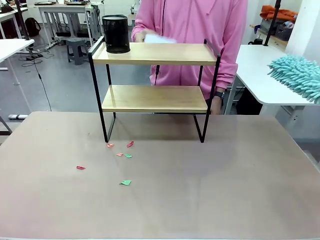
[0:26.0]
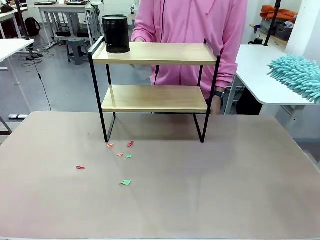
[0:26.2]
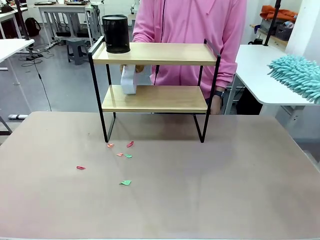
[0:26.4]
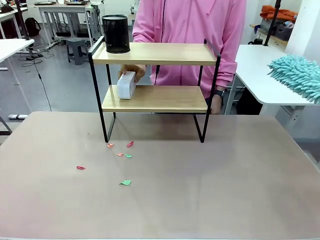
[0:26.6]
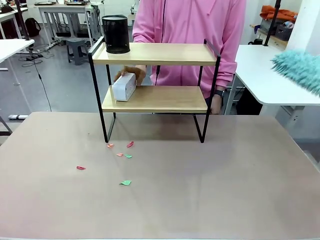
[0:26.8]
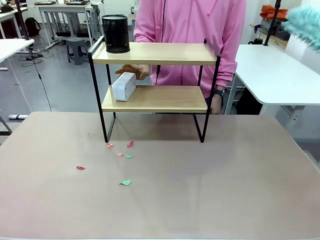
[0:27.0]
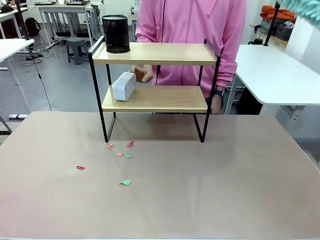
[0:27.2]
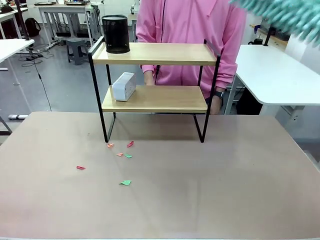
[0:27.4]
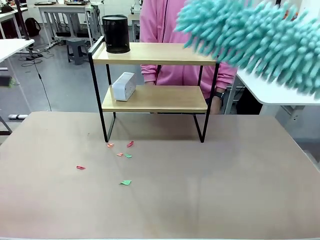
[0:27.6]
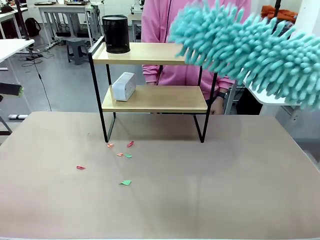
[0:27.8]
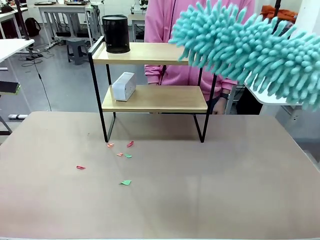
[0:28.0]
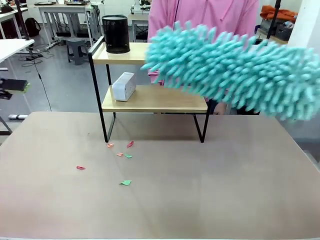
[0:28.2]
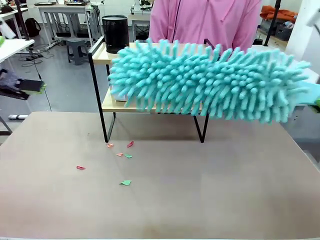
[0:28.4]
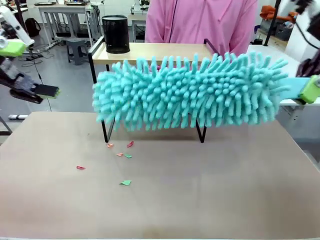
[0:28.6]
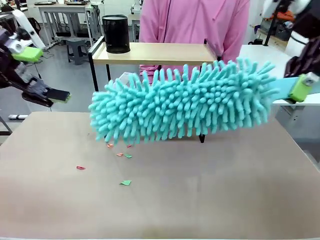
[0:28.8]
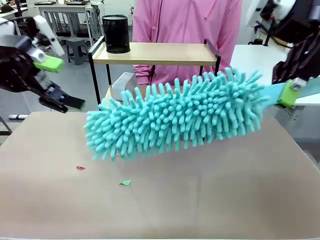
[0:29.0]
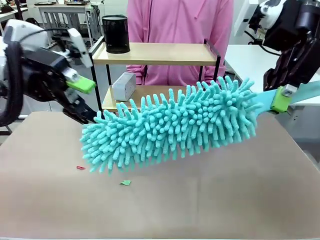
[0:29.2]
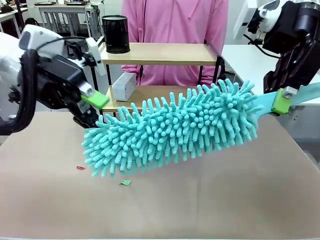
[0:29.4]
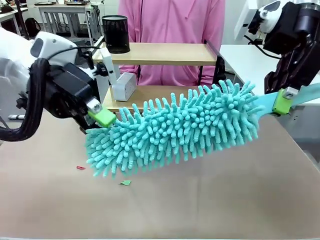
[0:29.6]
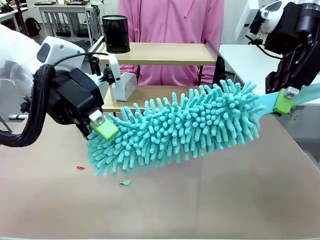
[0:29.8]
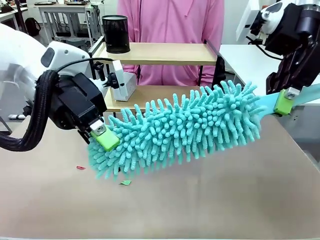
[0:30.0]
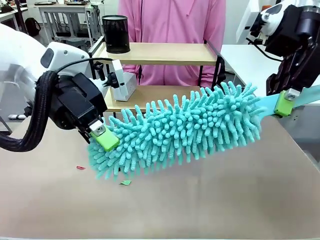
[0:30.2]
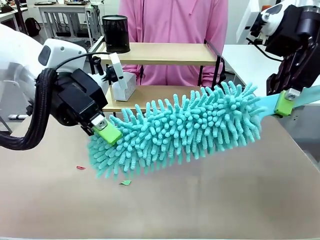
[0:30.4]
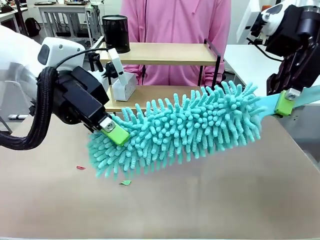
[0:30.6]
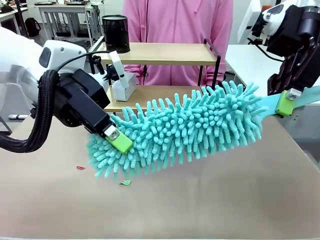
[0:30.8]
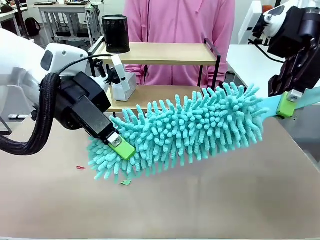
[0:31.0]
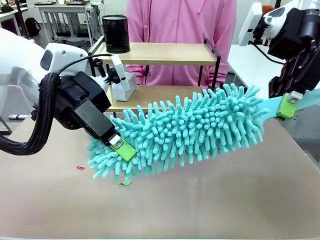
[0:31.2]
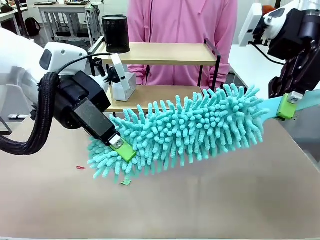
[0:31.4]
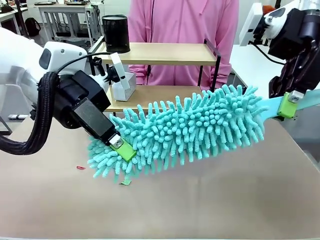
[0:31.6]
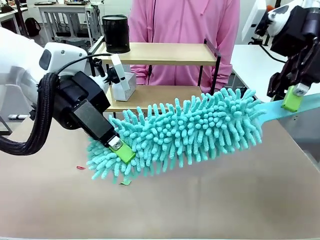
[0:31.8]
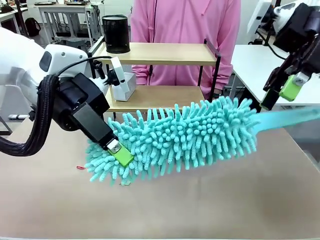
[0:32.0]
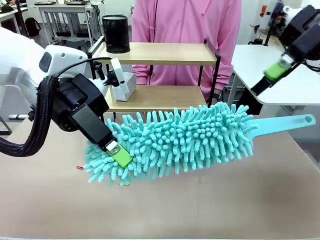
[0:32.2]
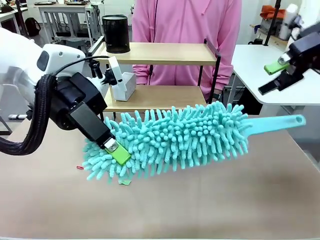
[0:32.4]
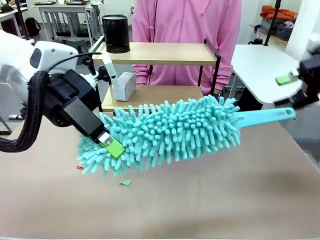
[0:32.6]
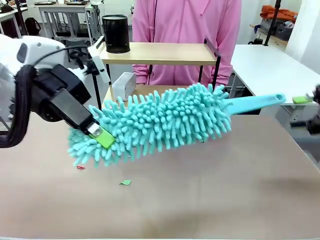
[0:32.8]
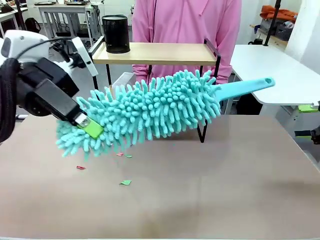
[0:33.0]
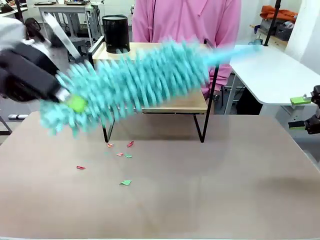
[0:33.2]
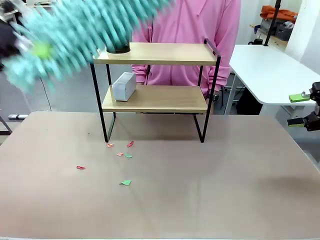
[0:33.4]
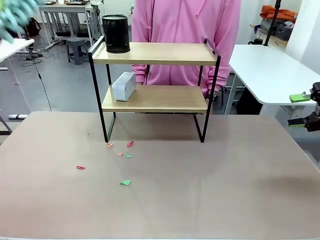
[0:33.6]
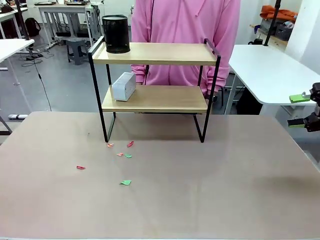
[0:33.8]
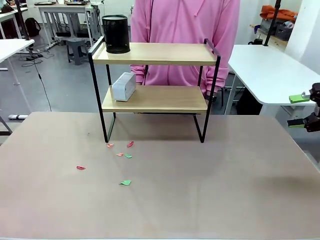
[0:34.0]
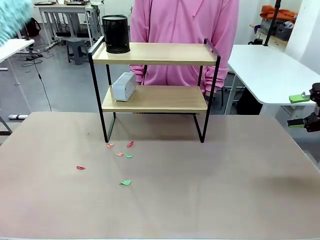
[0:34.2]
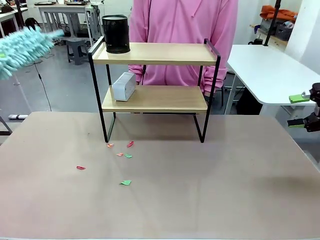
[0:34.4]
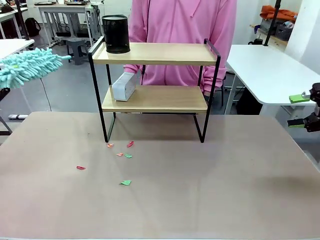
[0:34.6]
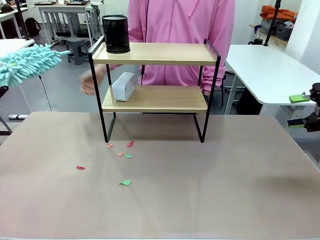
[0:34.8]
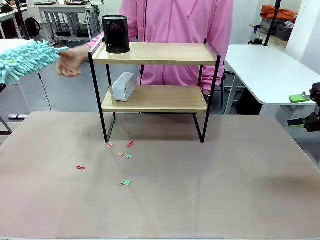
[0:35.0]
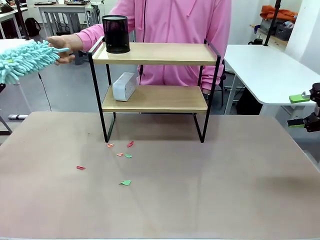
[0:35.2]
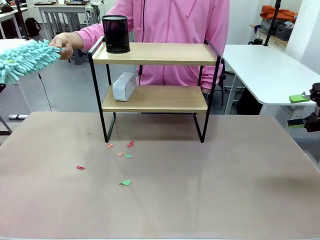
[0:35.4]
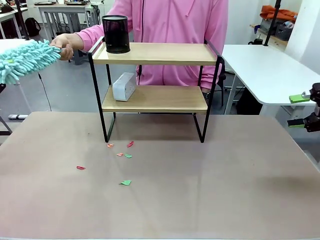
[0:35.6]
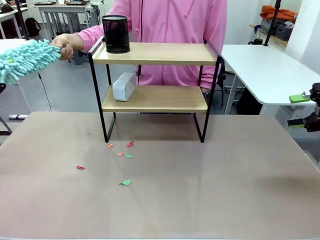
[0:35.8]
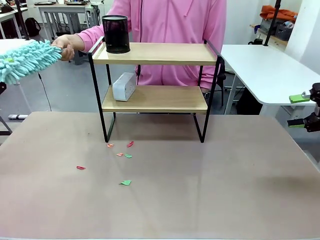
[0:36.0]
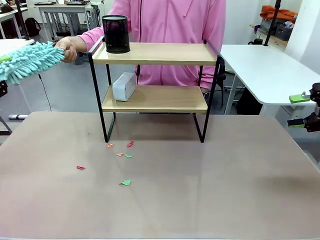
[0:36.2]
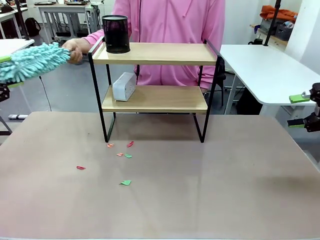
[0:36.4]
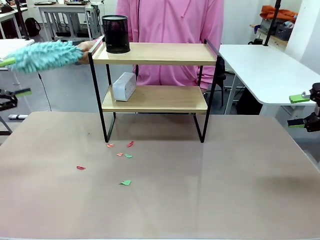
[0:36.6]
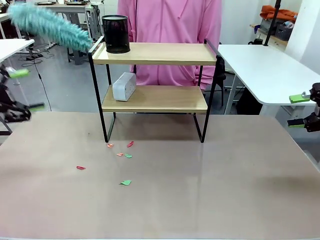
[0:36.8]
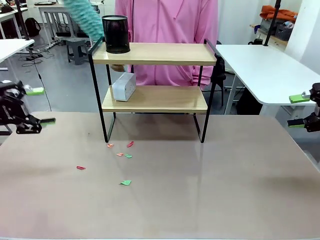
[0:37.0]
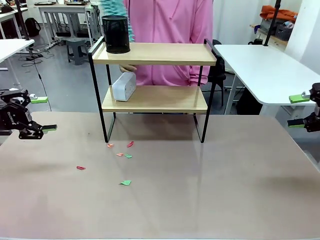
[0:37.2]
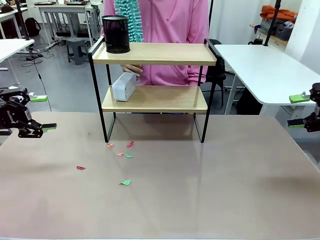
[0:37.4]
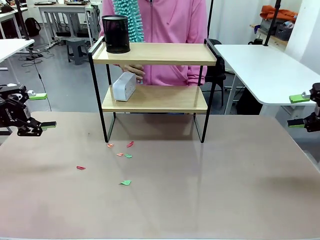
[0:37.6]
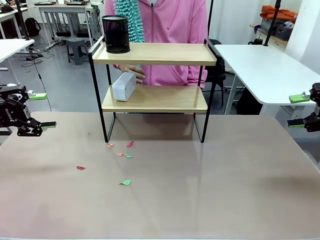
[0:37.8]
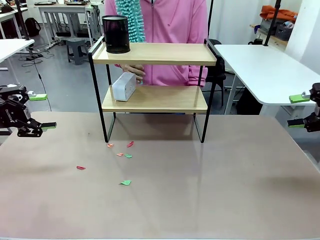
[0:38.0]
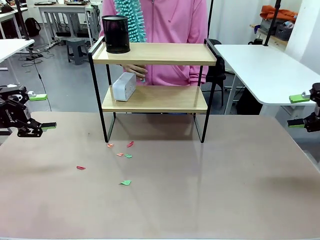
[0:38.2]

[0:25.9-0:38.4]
Task: Clean the shelf.
Robot: Hand the Duster back to the human.
Person: Receive the Duster from the robot.

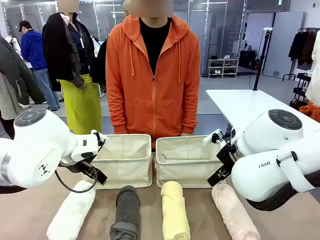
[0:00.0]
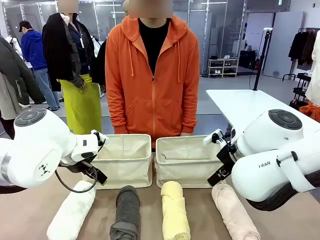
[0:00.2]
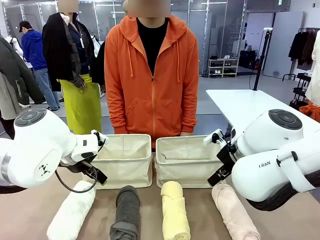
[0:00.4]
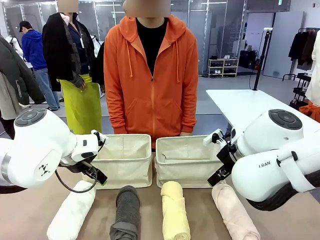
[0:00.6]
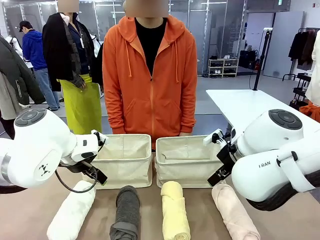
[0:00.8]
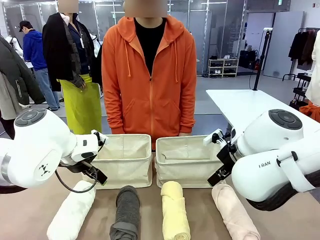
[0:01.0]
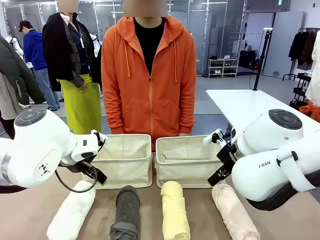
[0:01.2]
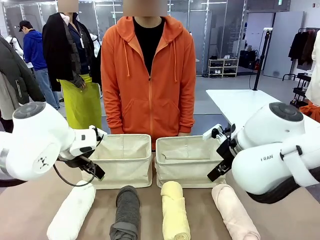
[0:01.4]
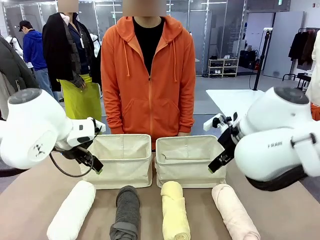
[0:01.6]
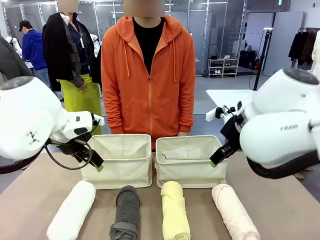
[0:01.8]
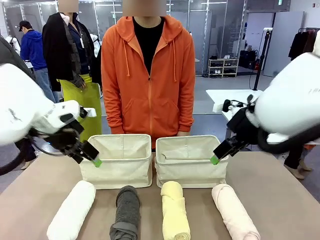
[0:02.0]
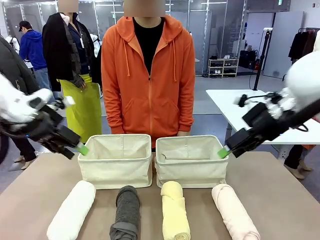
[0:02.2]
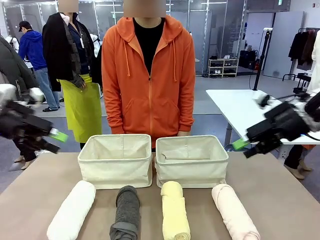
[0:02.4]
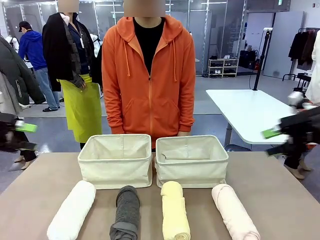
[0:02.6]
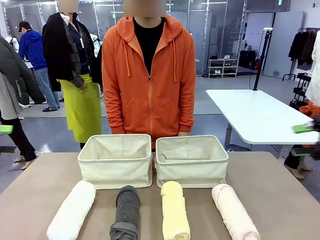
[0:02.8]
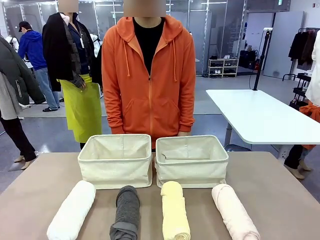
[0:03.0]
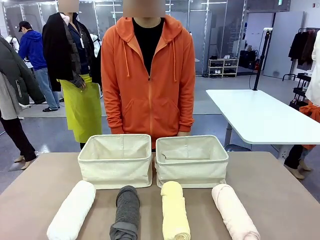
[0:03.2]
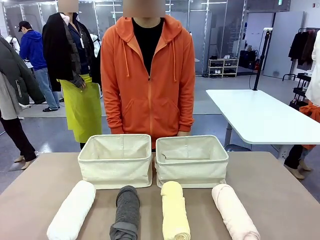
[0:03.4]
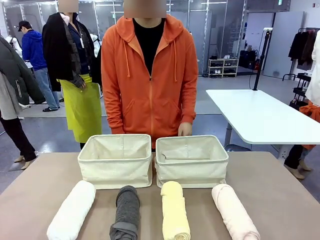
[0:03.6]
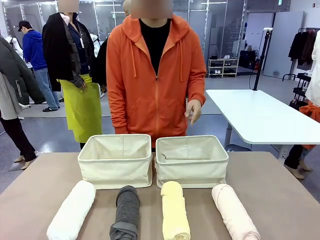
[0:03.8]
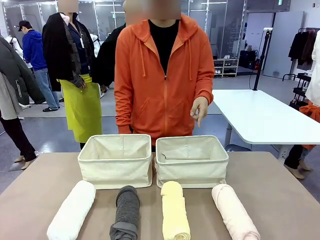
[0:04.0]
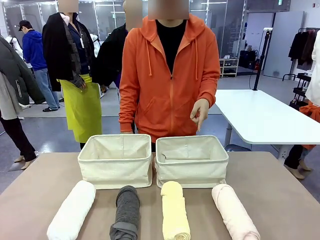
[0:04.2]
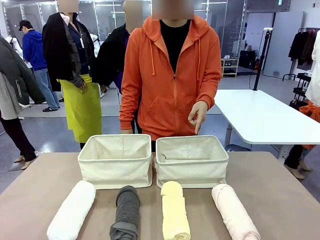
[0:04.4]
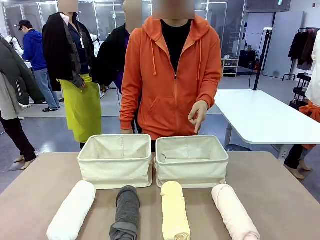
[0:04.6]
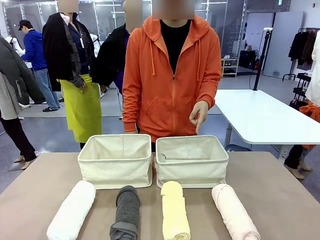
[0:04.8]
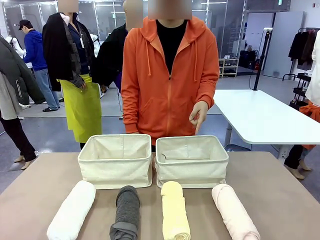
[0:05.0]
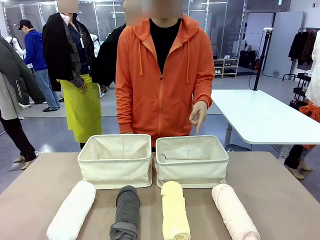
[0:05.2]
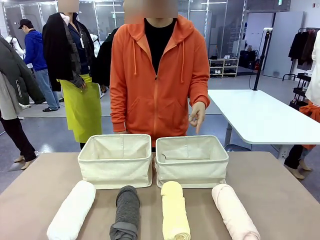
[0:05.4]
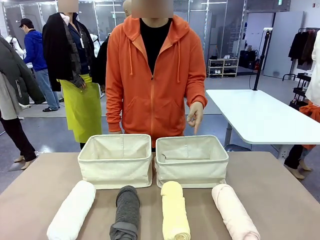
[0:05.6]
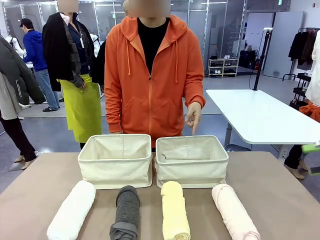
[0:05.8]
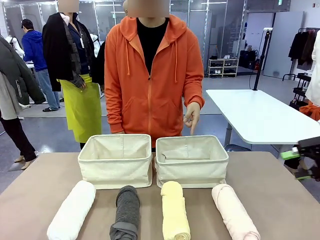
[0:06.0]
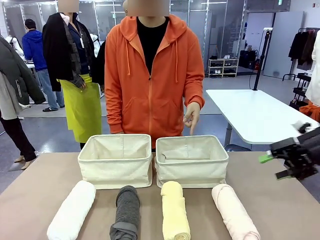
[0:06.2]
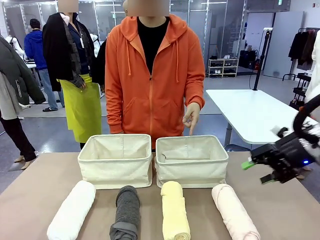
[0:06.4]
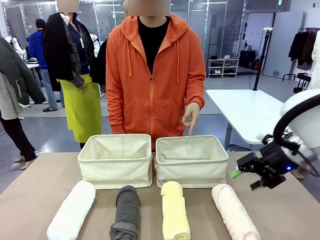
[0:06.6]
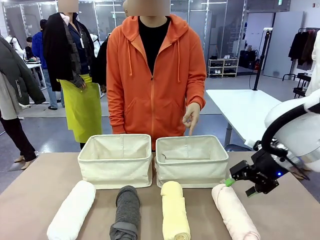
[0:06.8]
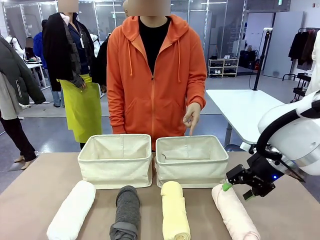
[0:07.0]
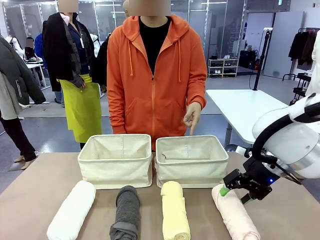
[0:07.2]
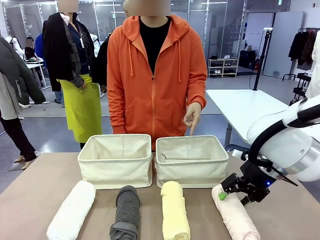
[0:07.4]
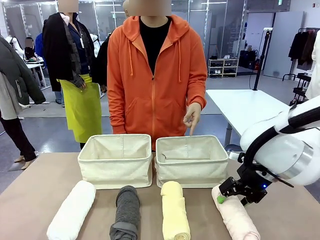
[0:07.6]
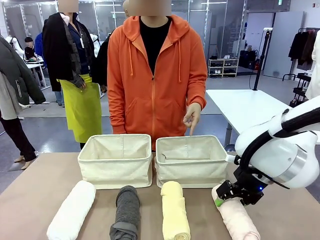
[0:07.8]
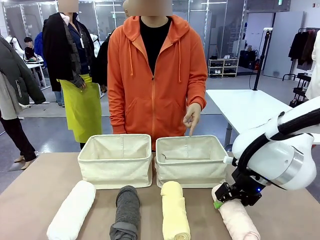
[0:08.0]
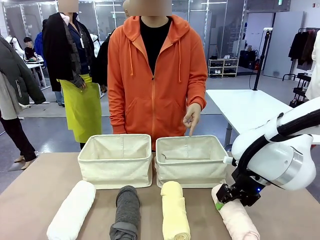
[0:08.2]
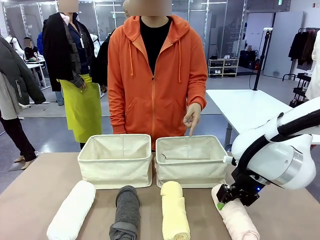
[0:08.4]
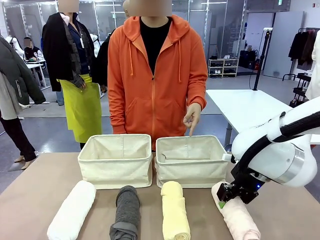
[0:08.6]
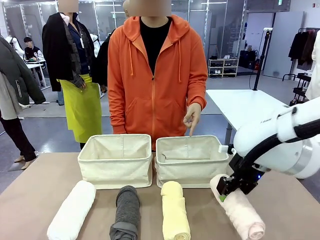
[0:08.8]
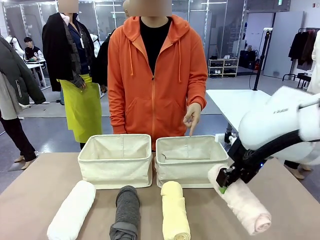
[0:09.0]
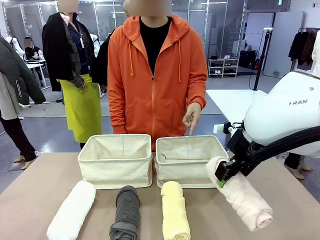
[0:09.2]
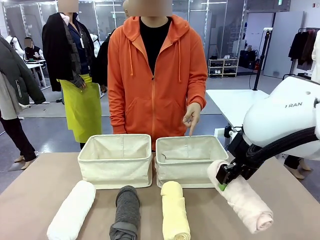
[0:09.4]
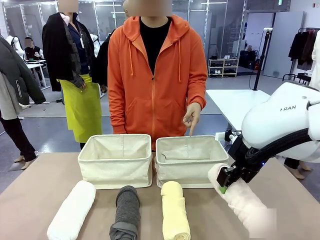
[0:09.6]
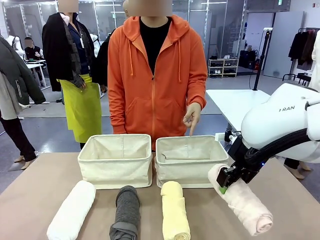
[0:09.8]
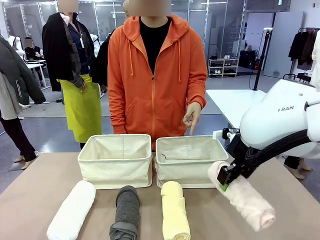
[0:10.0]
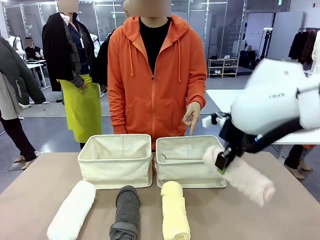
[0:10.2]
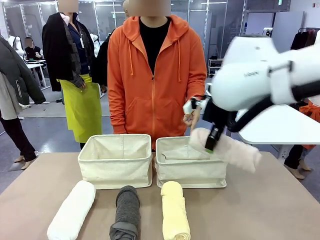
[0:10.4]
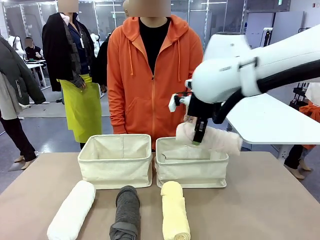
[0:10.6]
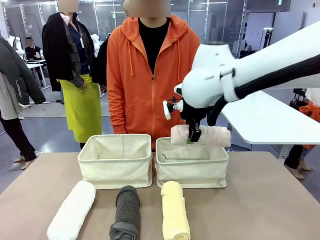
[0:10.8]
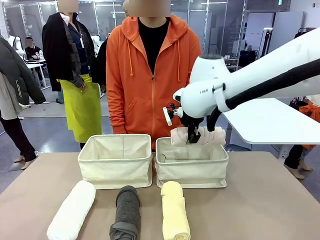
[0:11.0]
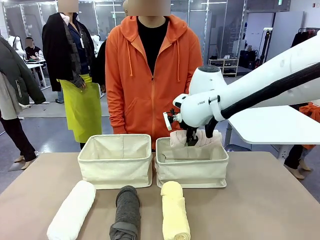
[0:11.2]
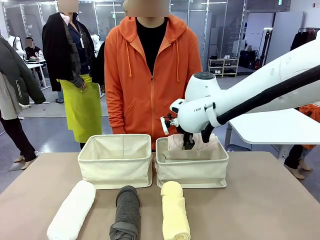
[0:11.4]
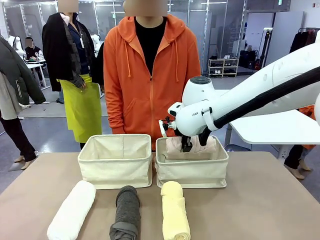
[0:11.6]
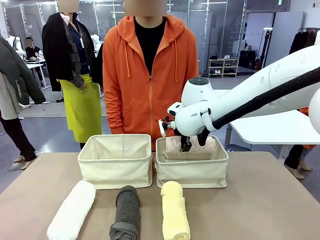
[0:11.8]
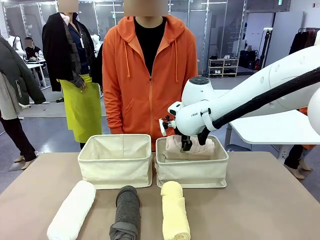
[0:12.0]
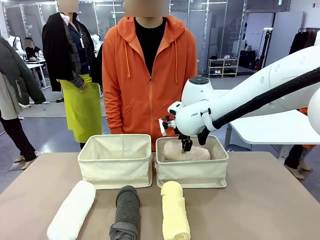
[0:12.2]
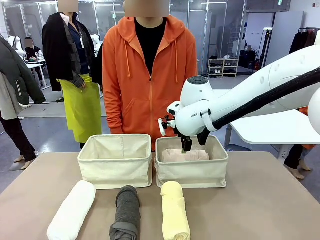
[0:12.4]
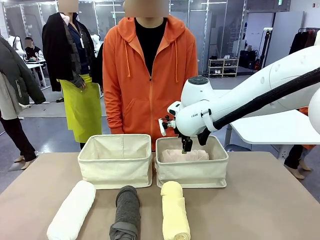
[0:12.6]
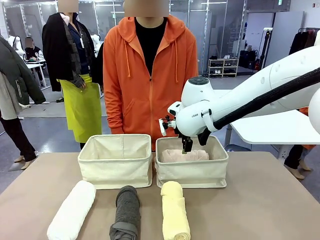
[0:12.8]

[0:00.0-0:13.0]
Task: Divide the towels into two baskets.
Robot: Pick up one hotel-folded towel and place it in the Fabric basket indicated by the person.
